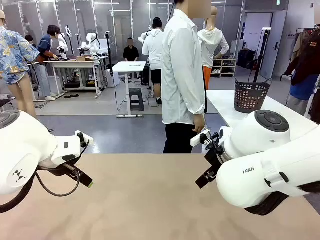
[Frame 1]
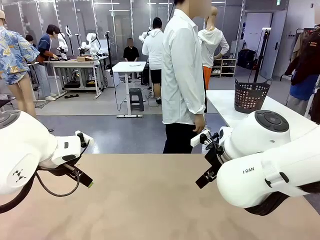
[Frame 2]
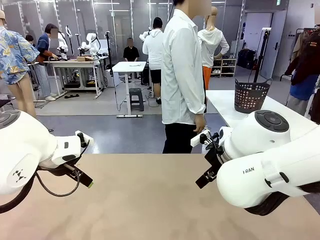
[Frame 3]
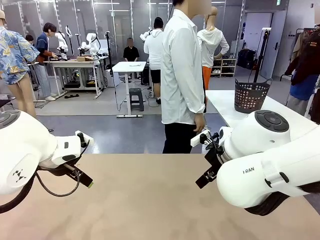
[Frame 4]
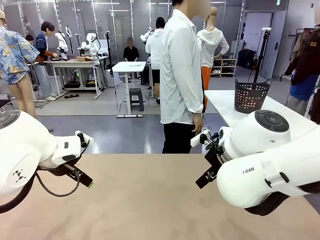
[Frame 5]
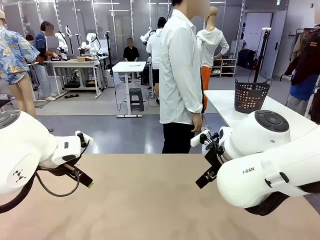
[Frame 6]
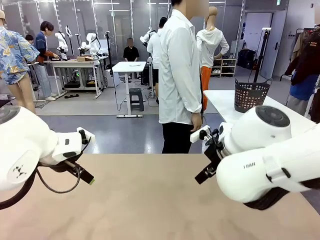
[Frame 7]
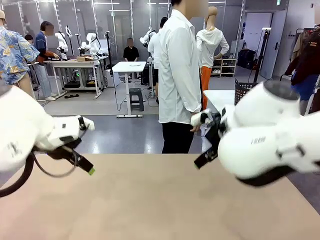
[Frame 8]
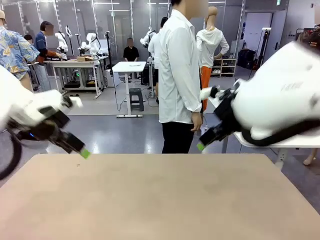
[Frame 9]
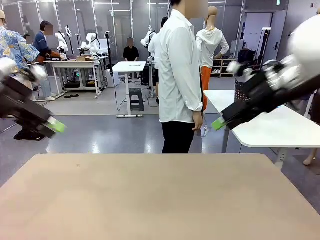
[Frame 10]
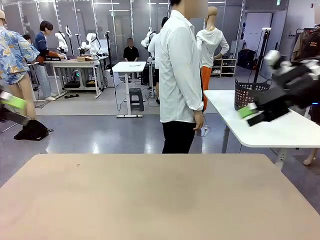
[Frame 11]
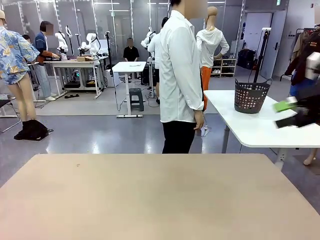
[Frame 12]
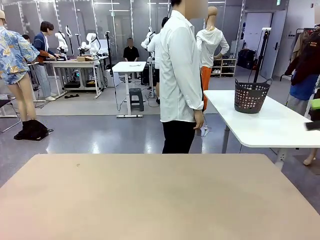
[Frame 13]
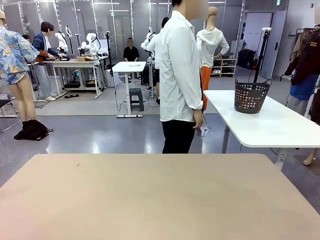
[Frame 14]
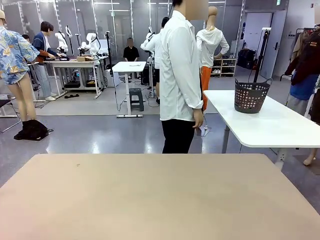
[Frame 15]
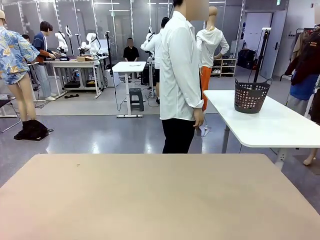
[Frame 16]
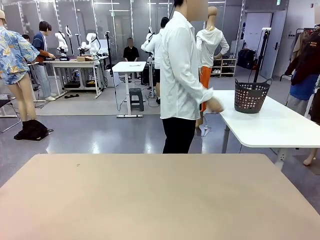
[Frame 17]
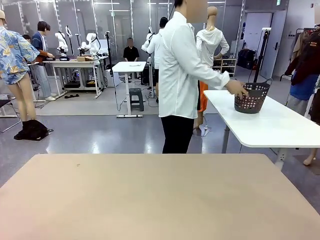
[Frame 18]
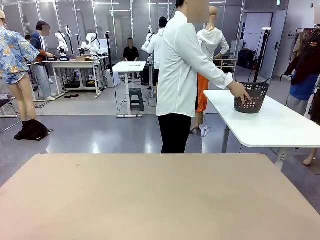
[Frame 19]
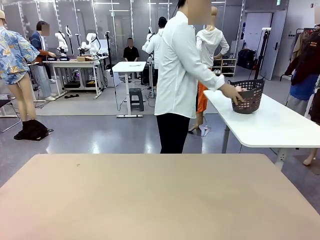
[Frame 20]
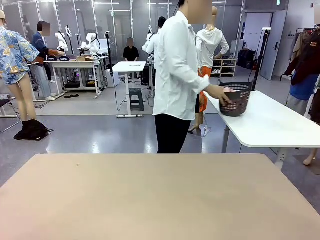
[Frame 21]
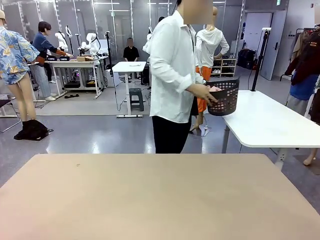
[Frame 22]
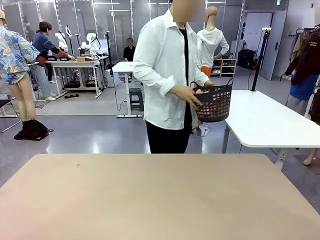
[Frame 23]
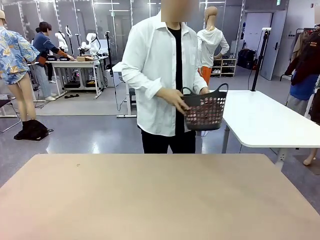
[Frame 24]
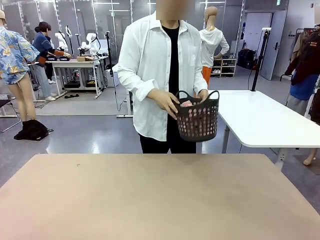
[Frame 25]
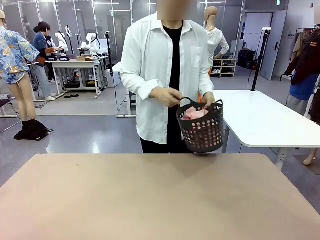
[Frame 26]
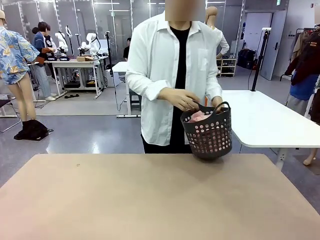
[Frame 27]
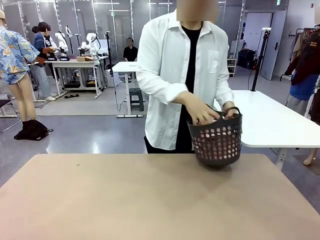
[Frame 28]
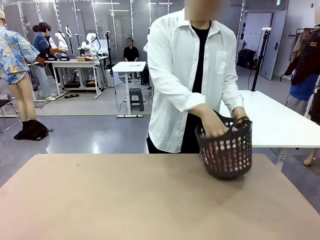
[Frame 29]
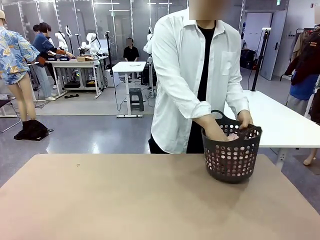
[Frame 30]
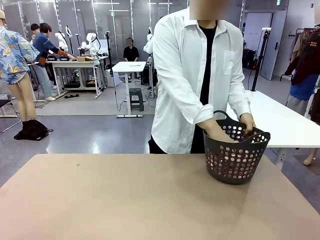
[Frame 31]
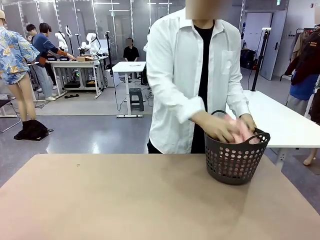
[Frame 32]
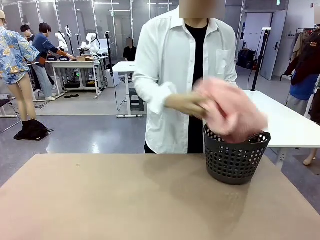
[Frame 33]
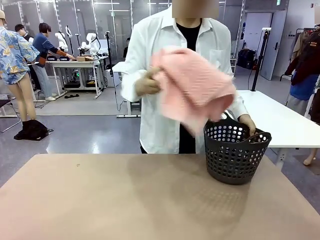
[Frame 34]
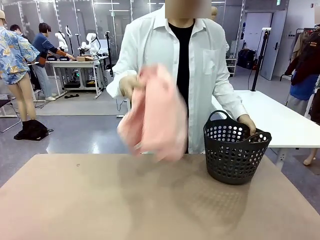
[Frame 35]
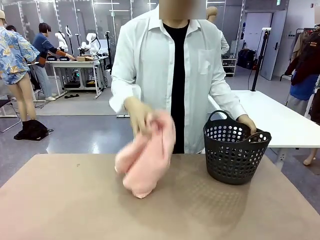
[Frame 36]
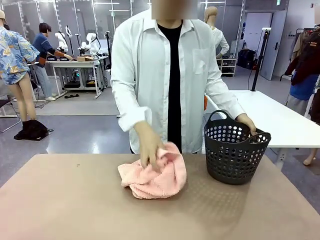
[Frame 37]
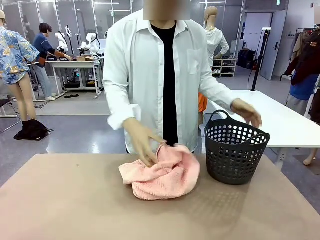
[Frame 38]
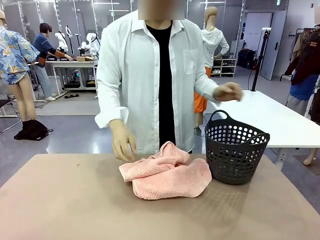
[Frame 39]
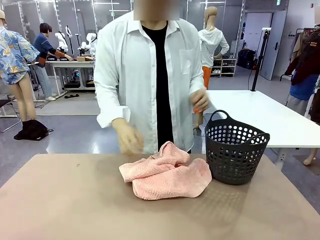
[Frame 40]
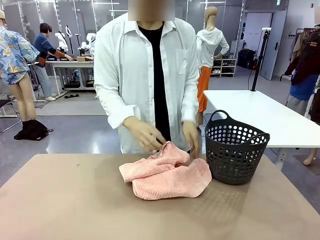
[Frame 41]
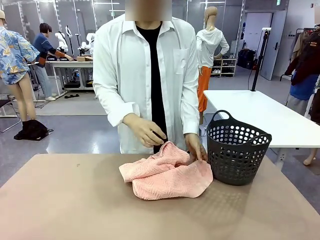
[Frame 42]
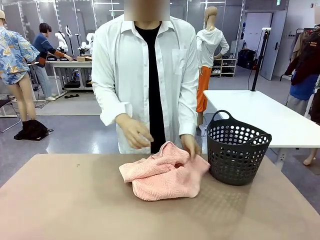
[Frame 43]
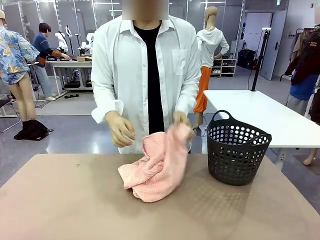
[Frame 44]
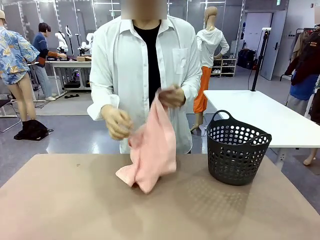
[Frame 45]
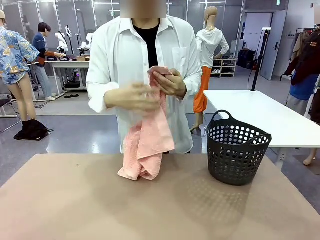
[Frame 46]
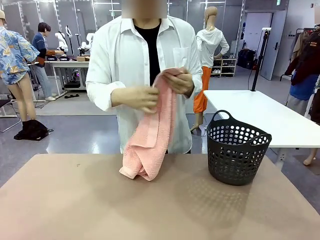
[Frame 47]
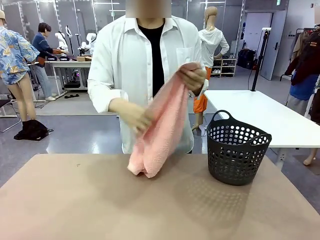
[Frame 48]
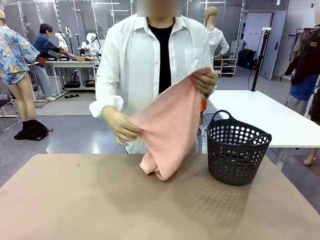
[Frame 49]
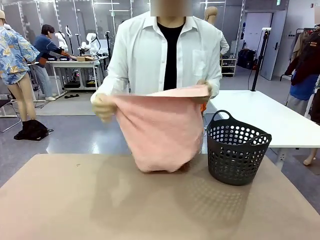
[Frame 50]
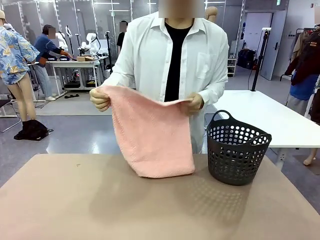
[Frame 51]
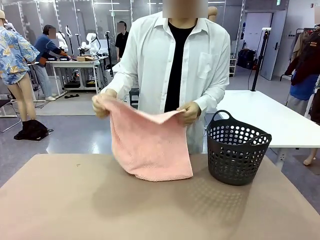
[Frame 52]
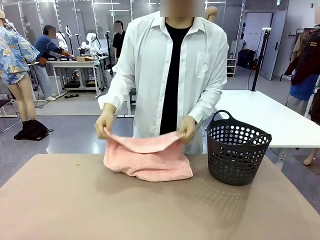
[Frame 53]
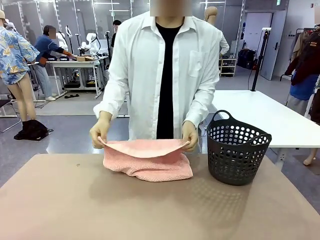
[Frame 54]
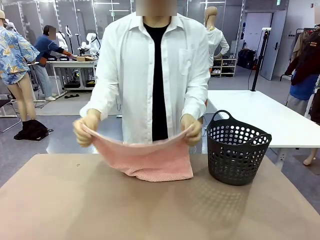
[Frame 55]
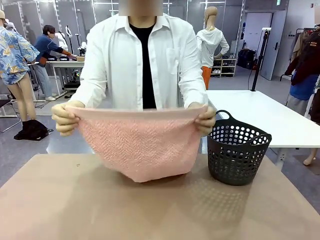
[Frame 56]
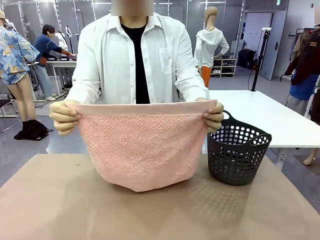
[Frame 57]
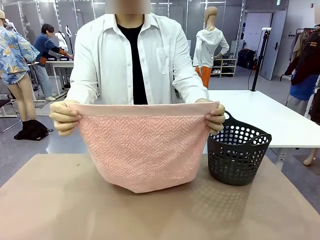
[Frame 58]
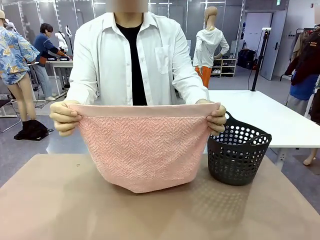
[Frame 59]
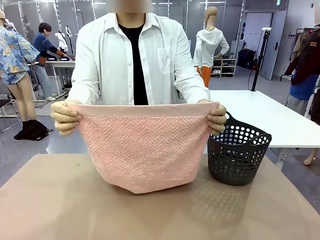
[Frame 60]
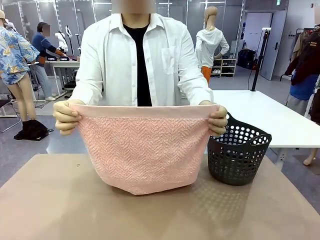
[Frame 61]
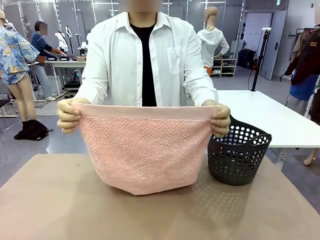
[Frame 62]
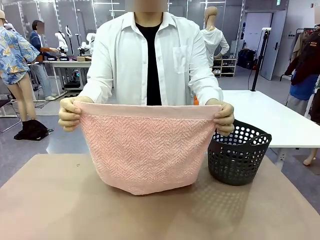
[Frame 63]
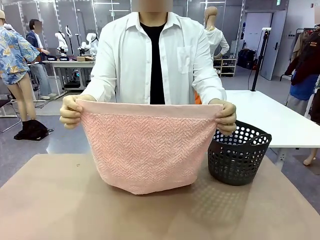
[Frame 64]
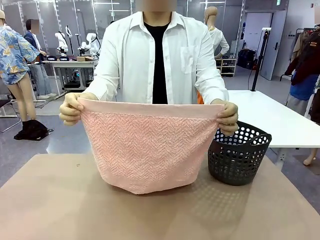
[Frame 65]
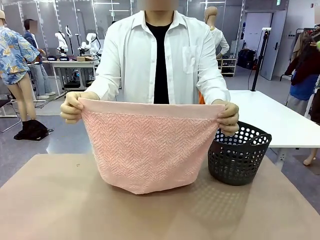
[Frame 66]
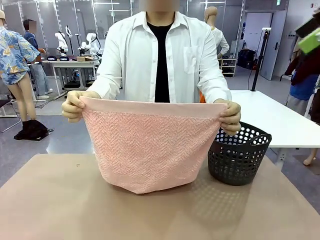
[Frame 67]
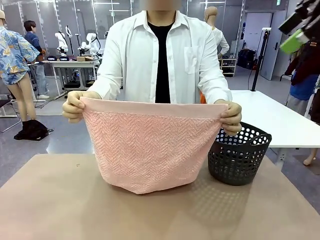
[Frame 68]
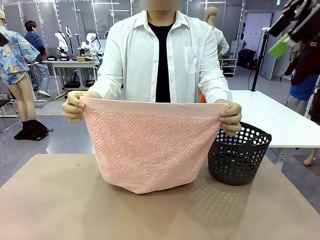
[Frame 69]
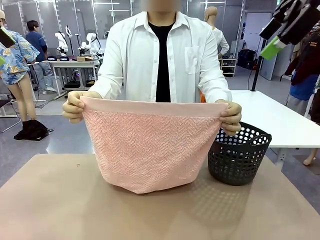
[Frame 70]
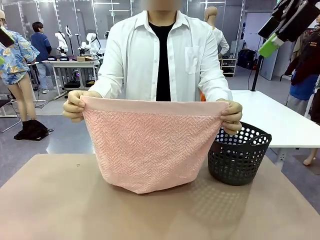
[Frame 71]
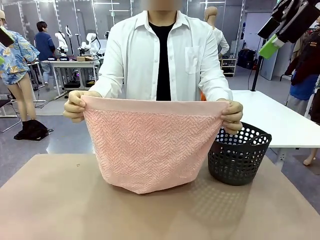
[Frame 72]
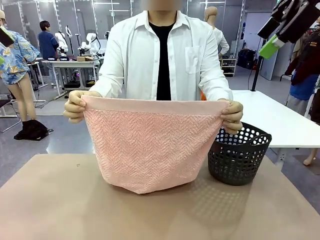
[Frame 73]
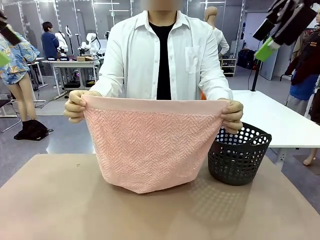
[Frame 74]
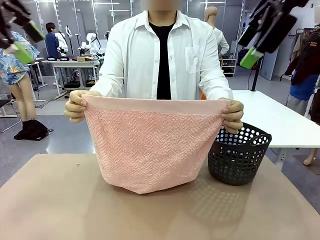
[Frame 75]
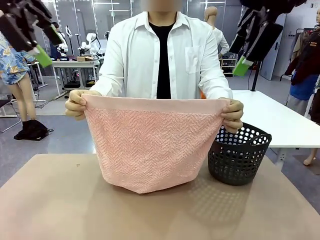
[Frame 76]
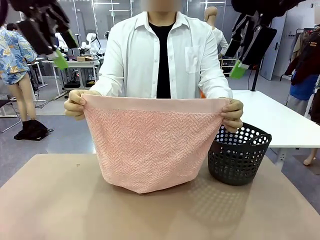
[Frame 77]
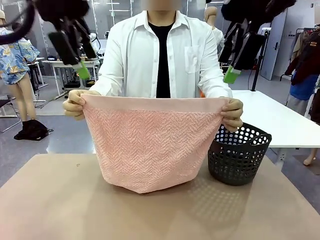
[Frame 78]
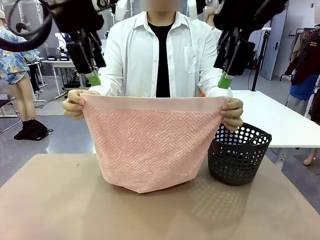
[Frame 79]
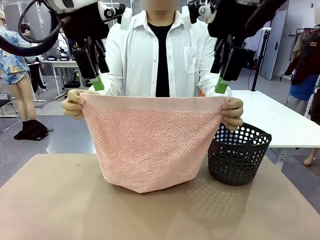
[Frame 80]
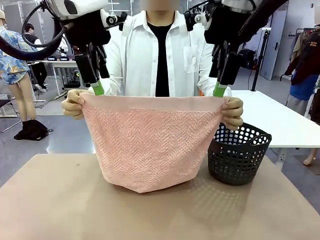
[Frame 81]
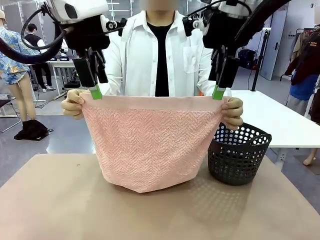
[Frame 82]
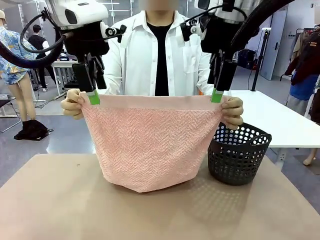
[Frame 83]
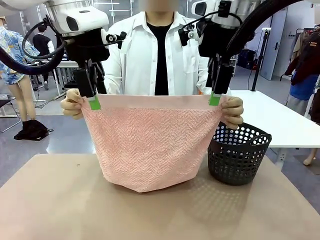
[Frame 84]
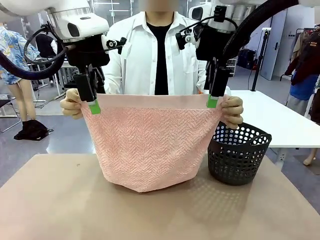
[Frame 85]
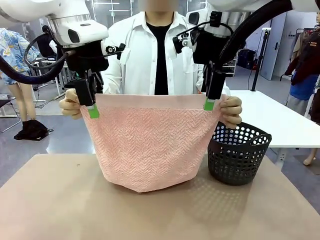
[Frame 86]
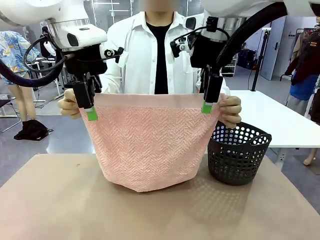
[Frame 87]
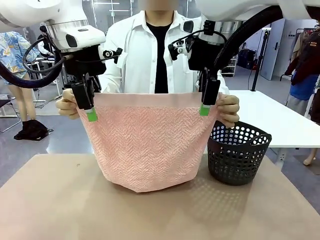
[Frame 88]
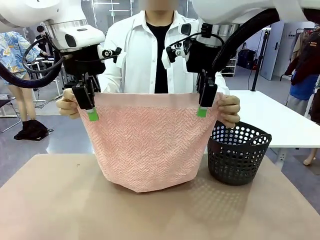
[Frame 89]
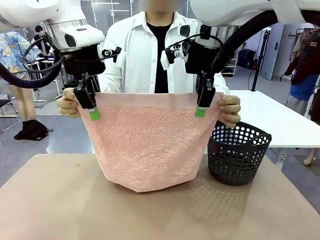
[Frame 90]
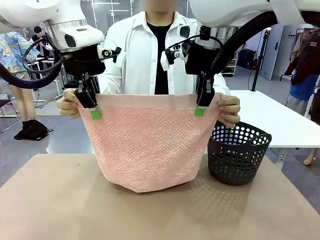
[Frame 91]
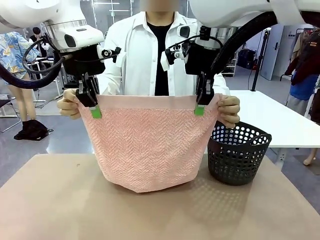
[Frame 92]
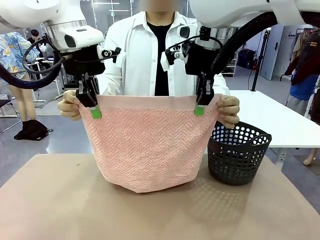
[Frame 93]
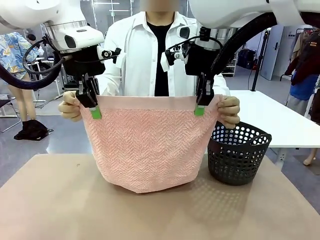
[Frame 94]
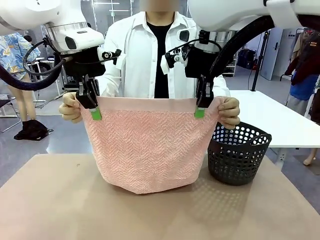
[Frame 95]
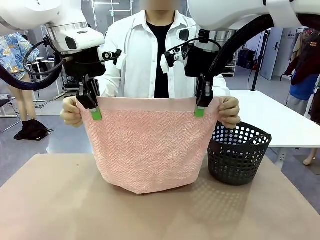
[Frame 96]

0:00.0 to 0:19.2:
Task: Fold the towel.
Robot: Grab the top end of the 100 cm Hotel Towel extended by the human.
Person: Pick up the laundry basket, place it on the left side of the robot table, then take out a towel and hand it to the robot while holding both corners of one end.
